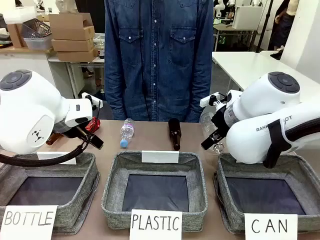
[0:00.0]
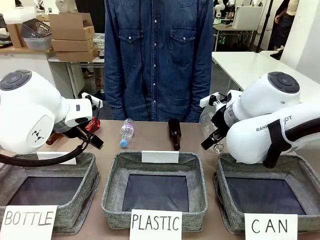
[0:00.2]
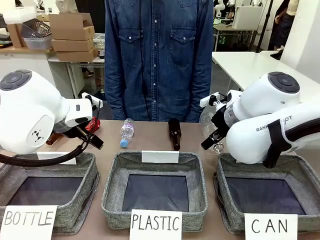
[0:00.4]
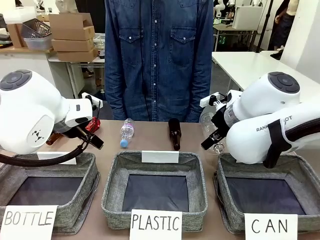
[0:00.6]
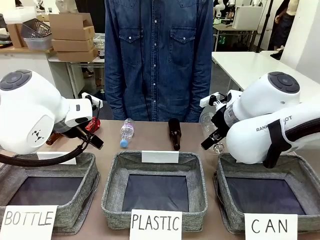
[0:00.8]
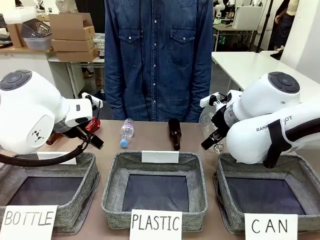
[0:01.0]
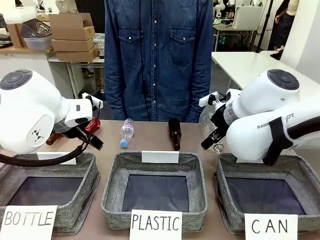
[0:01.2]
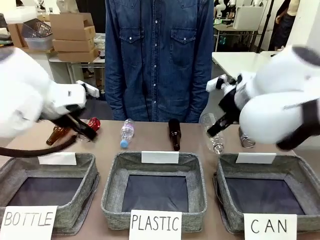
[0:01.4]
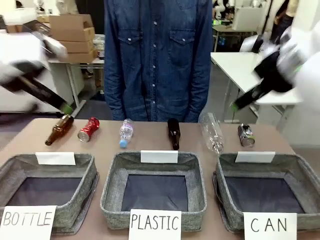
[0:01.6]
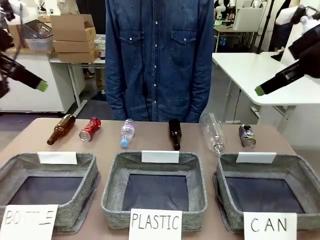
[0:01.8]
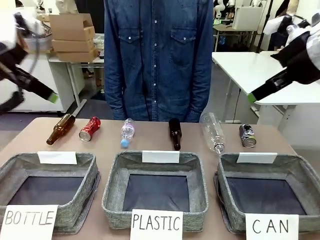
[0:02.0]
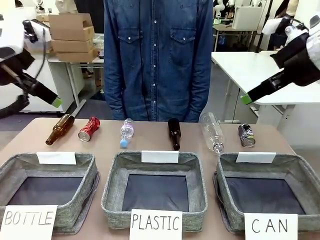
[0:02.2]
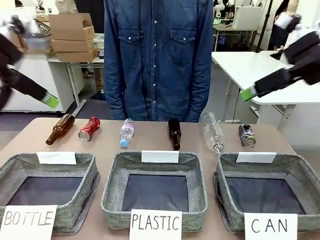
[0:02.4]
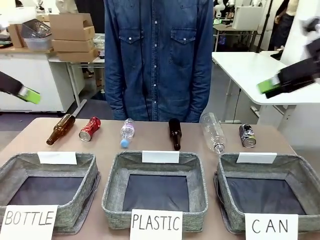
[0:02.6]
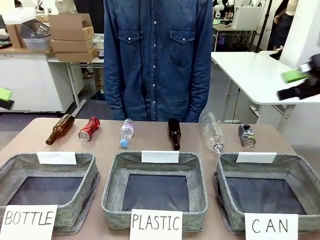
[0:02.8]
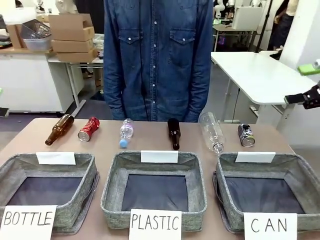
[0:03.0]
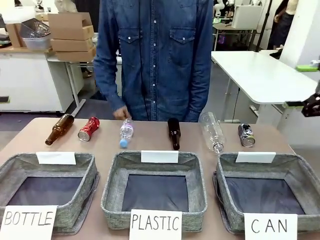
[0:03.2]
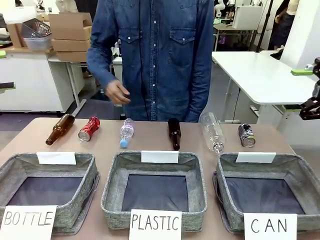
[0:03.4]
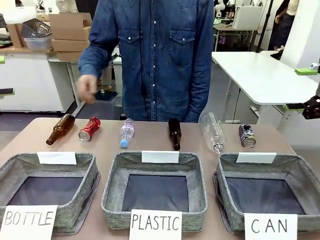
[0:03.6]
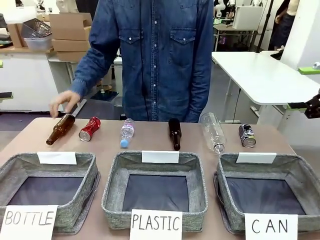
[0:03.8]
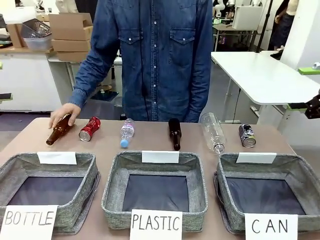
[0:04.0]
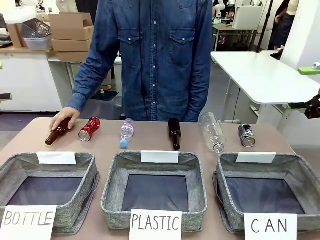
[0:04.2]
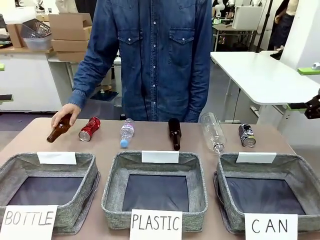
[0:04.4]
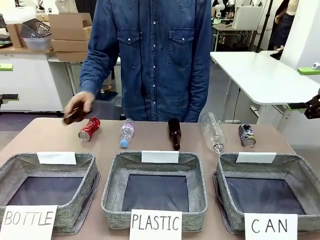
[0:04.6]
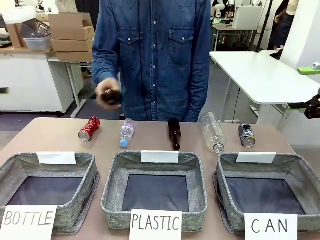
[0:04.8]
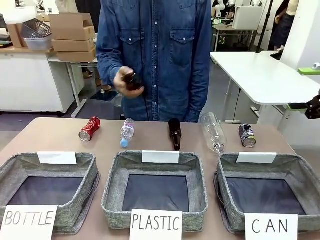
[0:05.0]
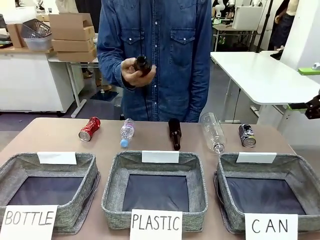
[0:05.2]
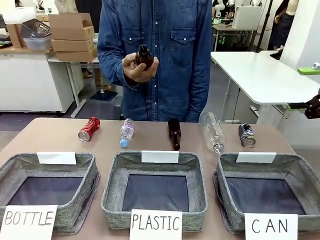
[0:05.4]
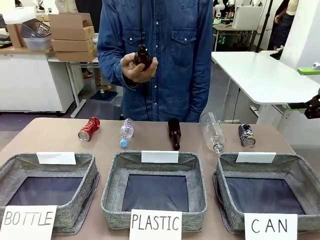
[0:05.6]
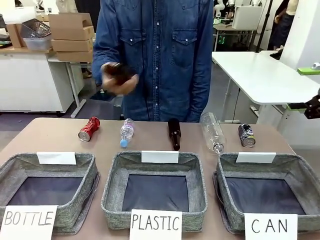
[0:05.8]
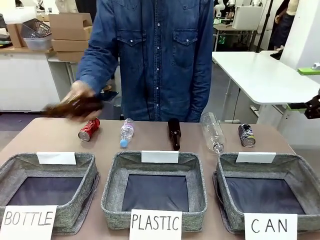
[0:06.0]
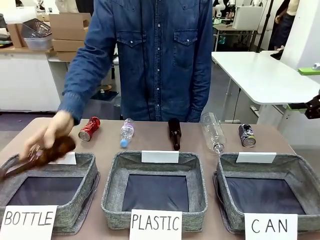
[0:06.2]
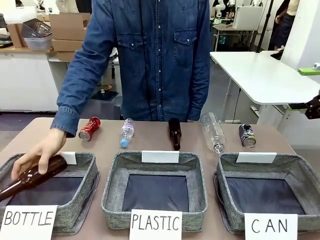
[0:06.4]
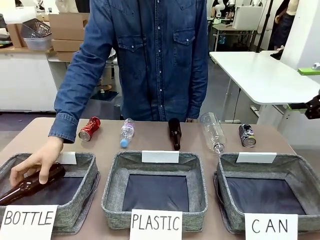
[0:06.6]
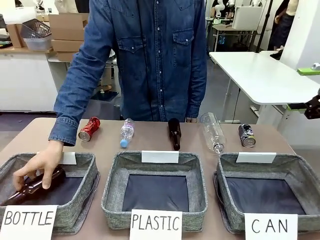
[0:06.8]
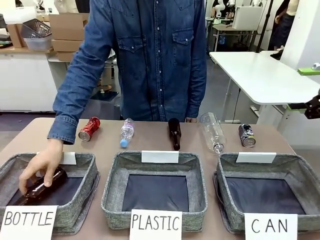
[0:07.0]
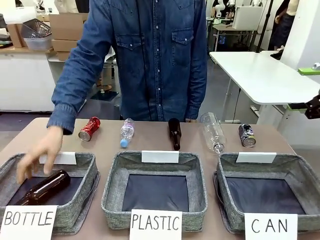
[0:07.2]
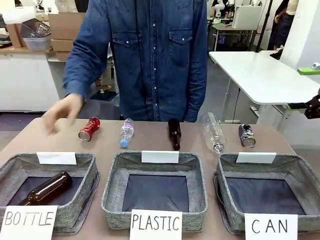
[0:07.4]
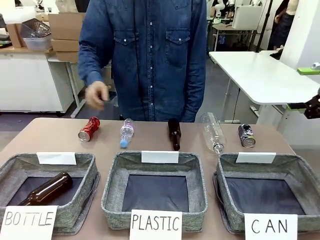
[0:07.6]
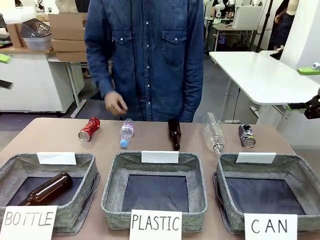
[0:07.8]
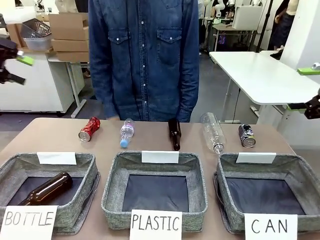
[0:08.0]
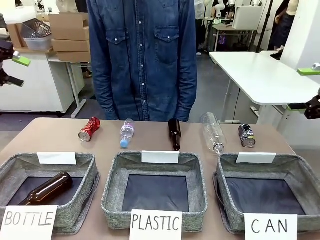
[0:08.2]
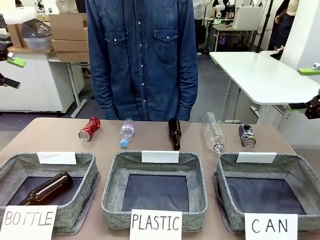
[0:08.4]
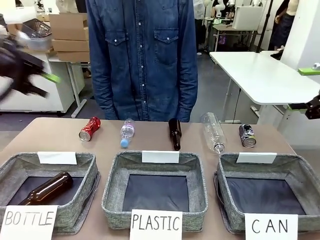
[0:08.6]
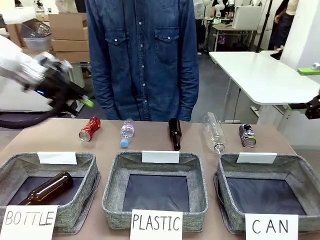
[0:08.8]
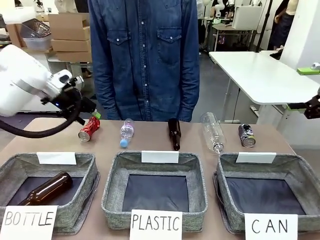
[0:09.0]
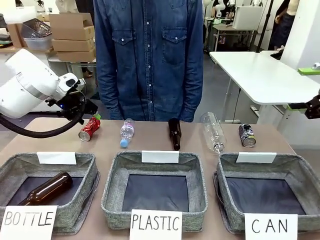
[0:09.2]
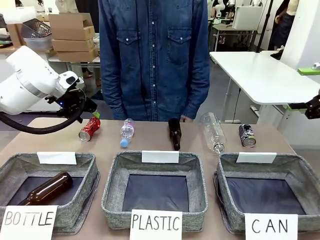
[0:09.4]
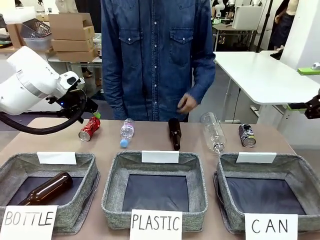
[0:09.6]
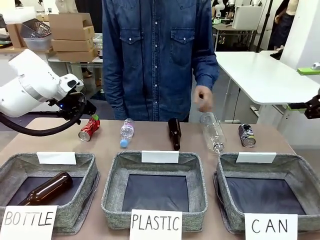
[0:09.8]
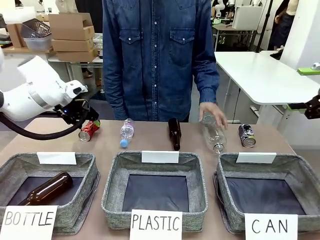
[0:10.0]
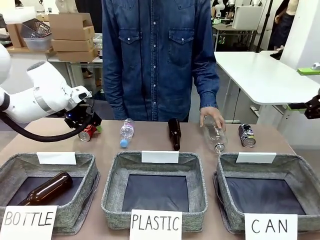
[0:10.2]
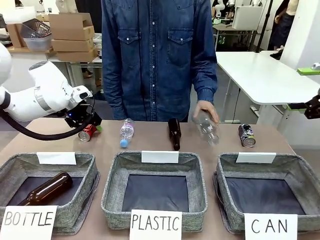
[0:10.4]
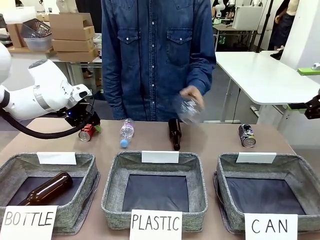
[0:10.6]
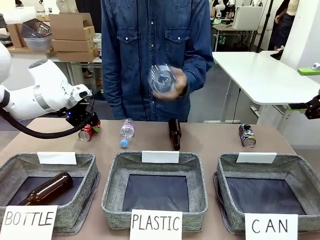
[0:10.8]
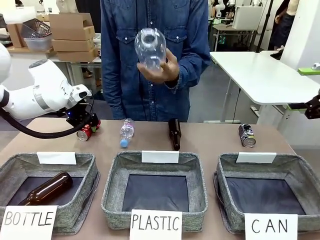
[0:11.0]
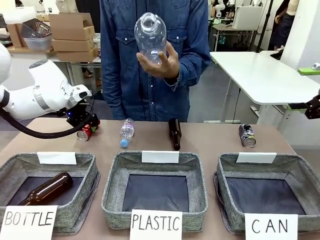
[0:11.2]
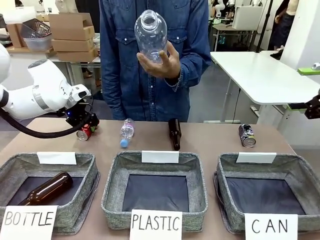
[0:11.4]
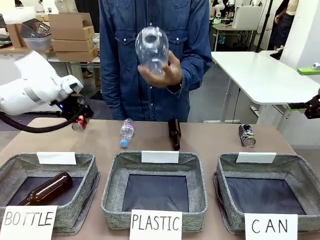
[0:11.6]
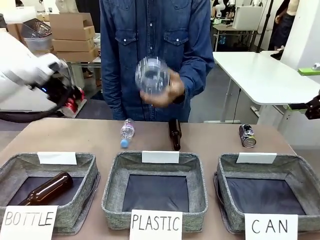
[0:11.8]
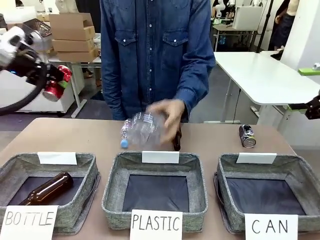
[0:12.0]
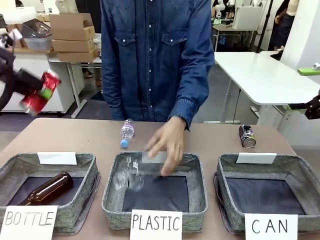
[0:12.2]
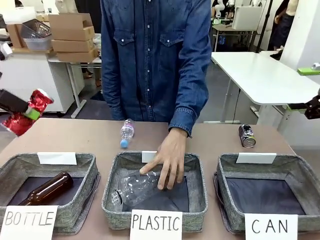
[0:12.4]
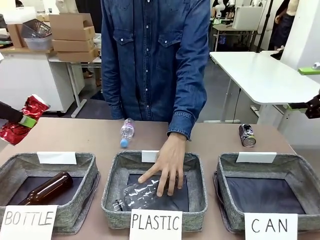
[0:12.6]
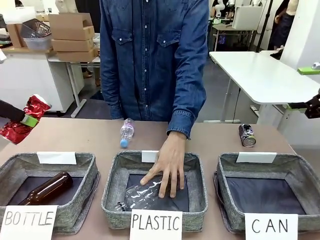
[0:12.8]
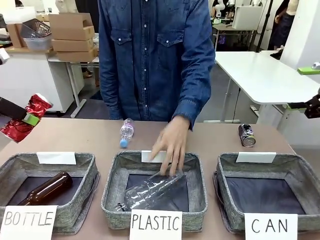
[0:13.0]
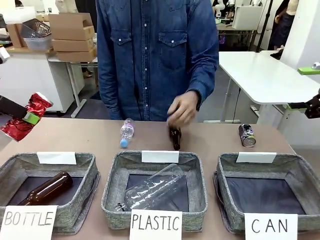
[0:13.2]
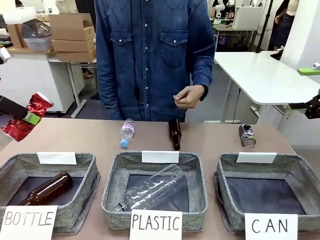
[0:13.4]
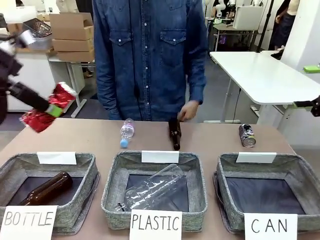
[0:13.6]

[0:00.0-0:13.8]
Task: Sort the can waste into the basket.
Robot: Pick up the can waste from the table and place it in the right Fabric basket.
